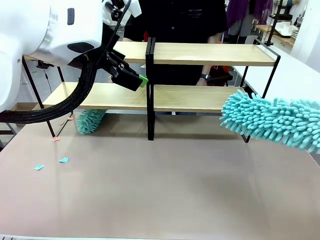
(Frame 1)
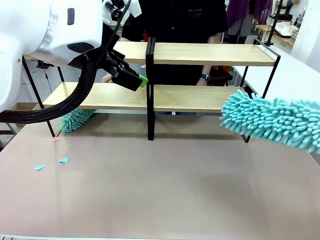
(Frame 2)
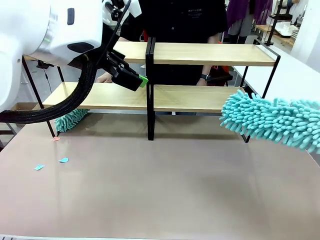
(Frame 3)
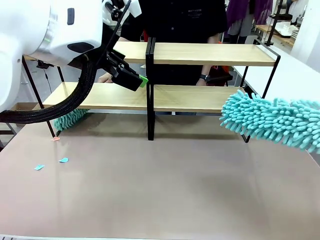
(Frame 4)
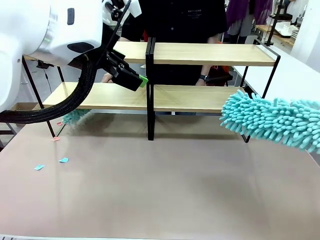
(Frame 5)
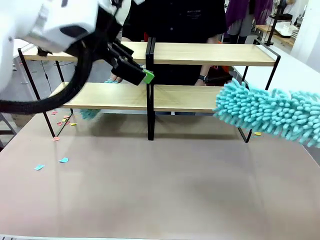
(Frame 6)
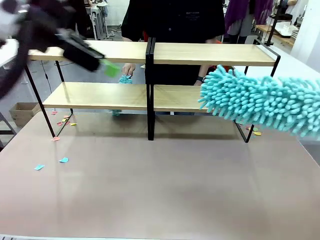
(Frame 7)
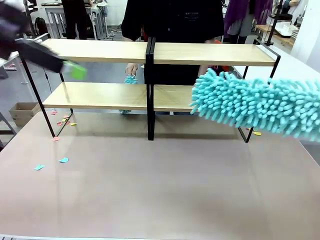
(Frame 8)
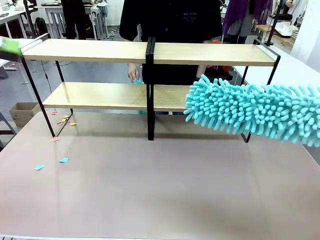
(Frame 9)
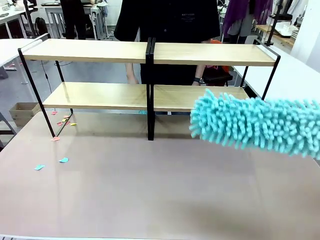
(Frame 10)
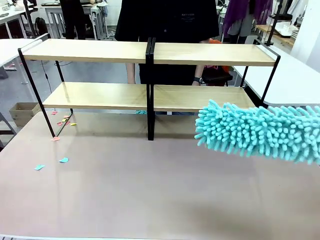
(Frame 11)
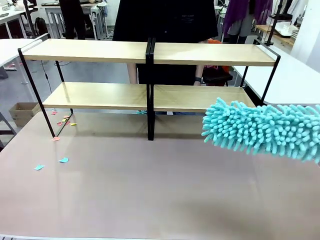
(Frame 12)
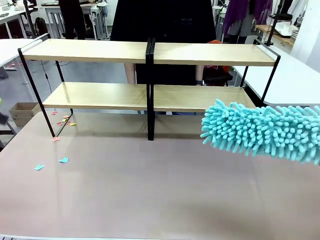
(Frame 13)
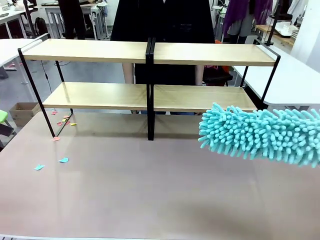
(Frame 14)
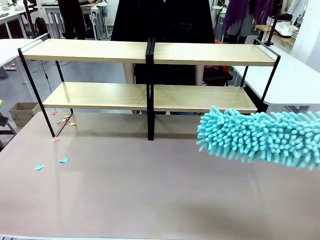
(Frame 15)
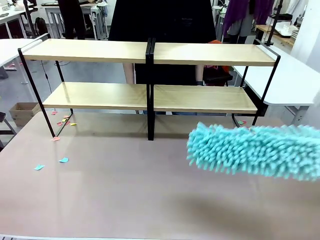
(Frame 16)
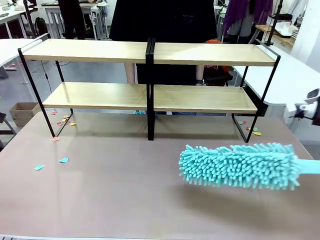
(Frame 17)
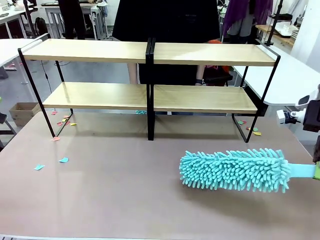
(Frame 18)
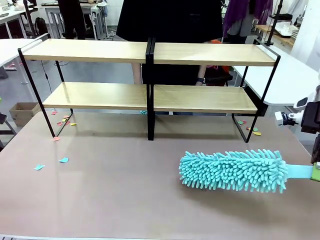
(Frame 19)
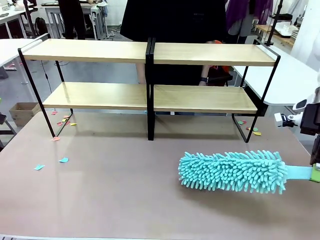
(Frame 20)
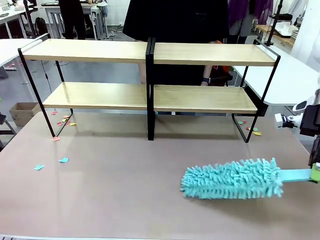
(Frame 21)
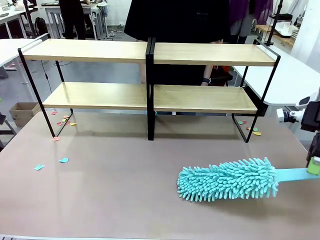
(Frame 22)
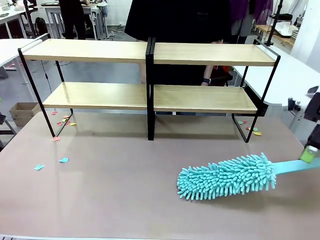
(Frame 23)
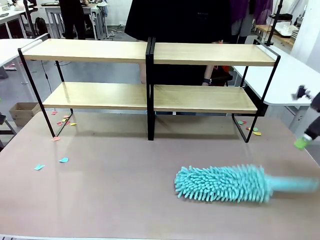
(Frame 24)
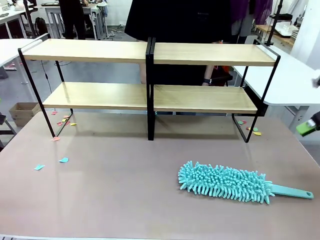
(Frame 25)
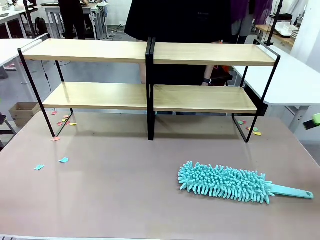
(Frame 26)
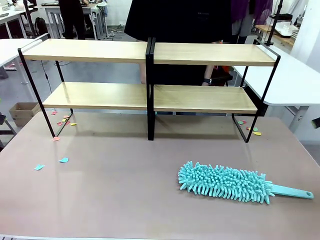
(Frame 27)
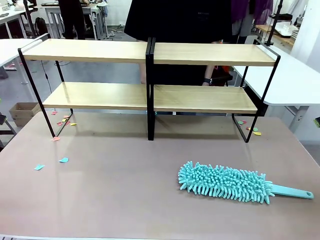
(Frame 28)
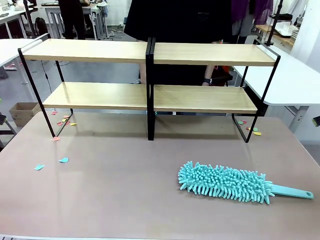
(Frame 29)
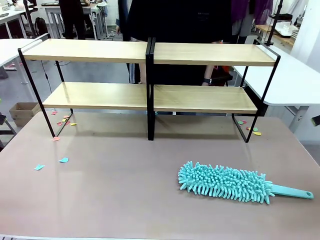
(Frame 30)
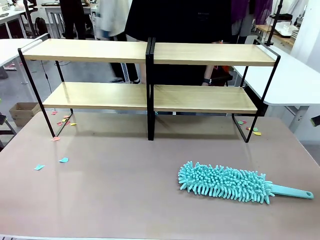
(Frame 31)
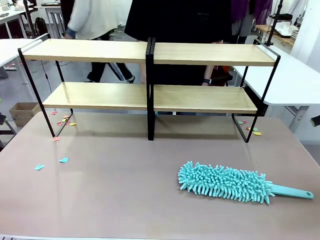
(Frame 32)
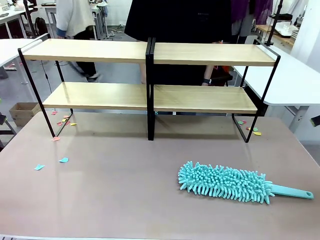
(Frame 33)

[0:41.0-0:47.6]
Task: Clean the shelves.
Robot: Place the Duster on the table.

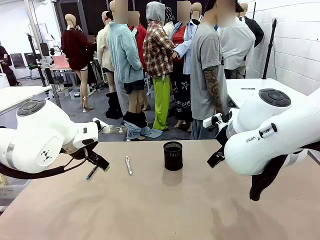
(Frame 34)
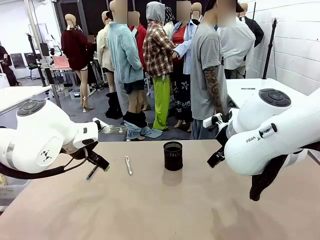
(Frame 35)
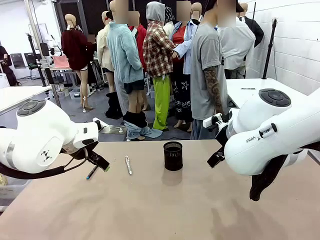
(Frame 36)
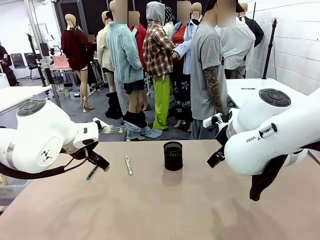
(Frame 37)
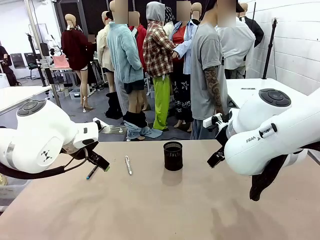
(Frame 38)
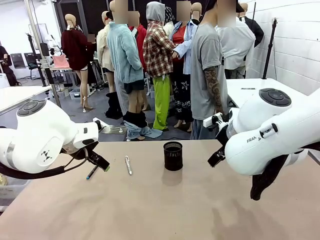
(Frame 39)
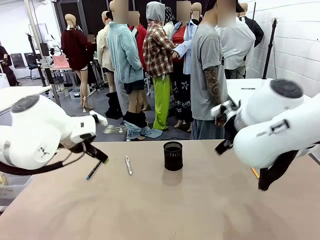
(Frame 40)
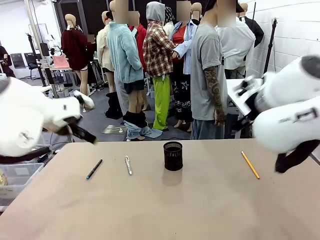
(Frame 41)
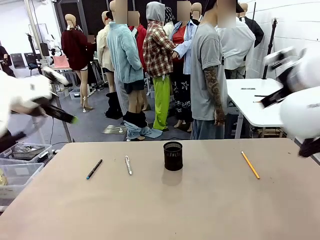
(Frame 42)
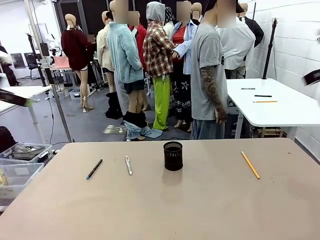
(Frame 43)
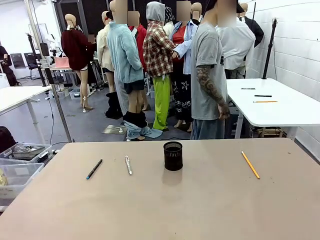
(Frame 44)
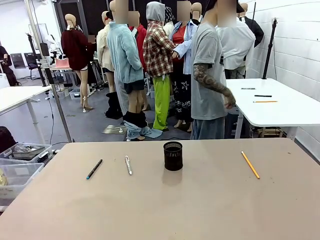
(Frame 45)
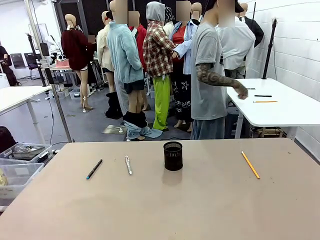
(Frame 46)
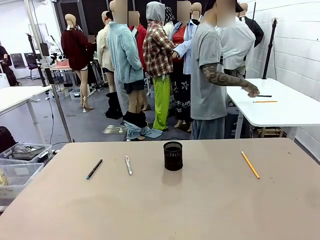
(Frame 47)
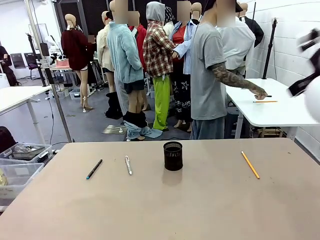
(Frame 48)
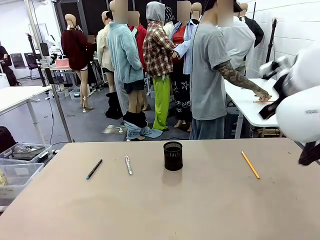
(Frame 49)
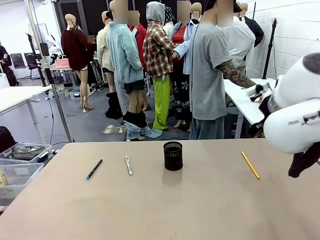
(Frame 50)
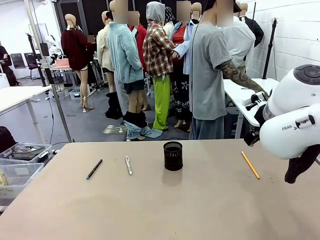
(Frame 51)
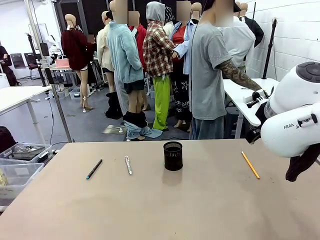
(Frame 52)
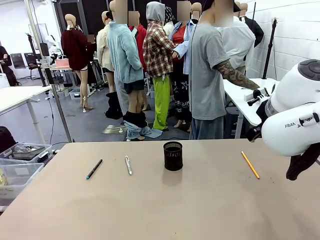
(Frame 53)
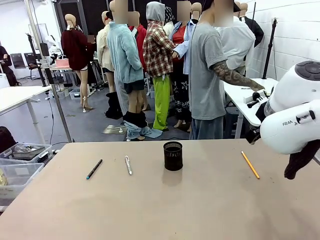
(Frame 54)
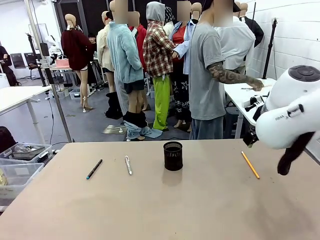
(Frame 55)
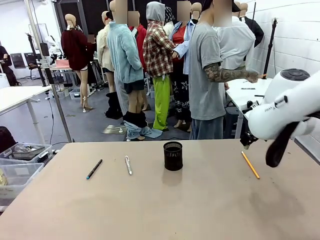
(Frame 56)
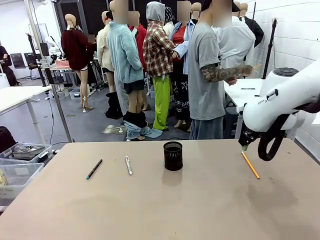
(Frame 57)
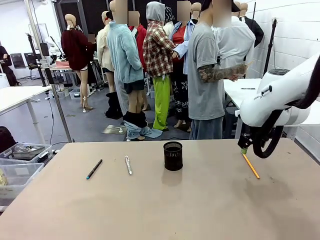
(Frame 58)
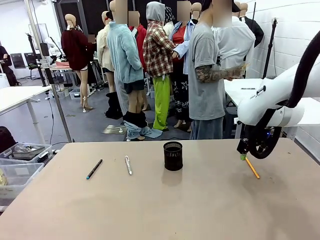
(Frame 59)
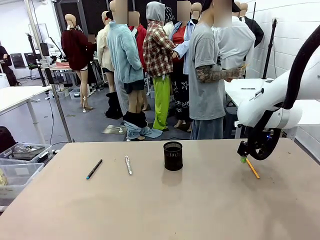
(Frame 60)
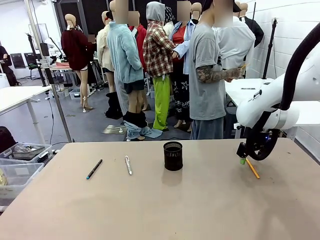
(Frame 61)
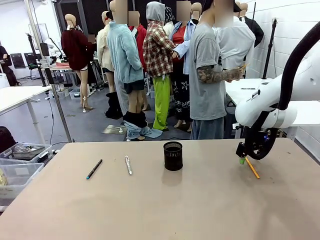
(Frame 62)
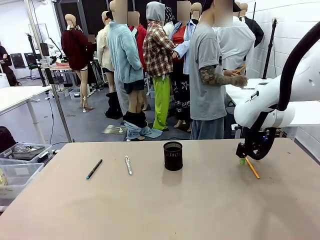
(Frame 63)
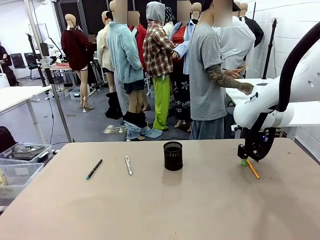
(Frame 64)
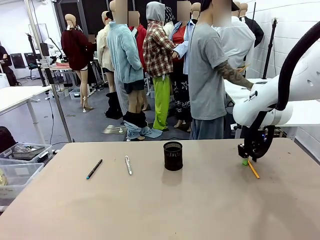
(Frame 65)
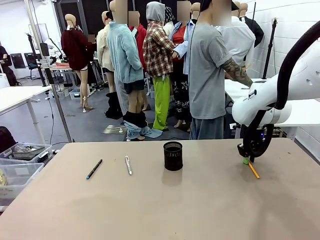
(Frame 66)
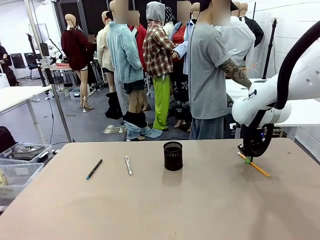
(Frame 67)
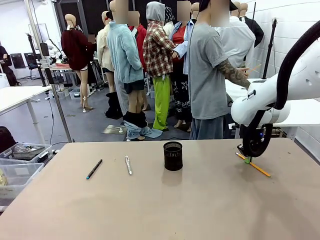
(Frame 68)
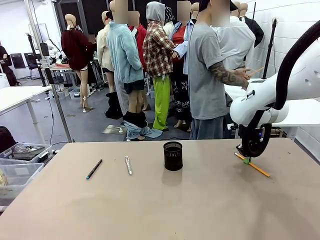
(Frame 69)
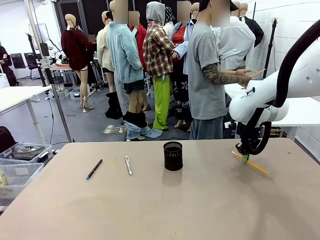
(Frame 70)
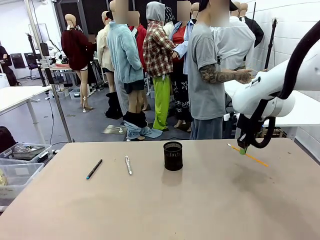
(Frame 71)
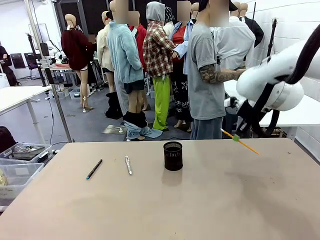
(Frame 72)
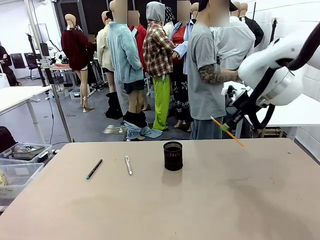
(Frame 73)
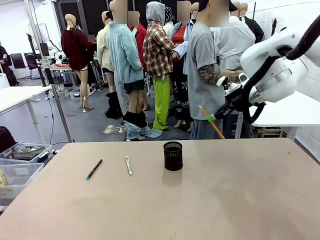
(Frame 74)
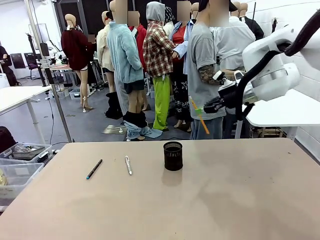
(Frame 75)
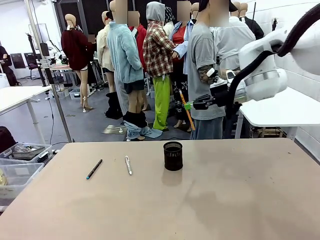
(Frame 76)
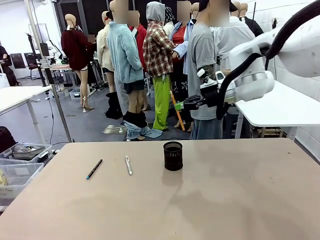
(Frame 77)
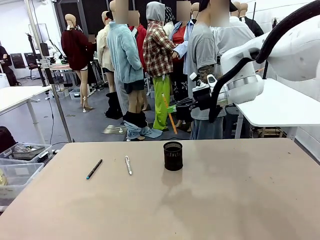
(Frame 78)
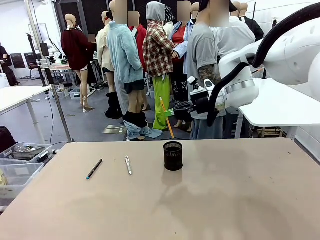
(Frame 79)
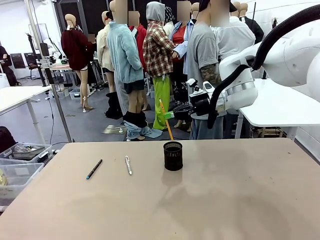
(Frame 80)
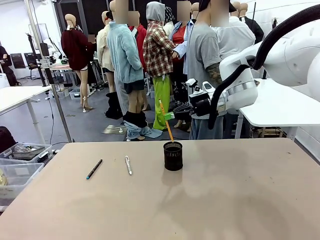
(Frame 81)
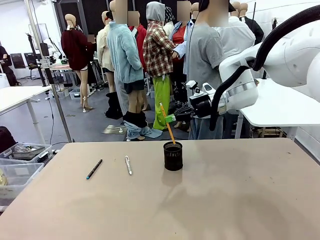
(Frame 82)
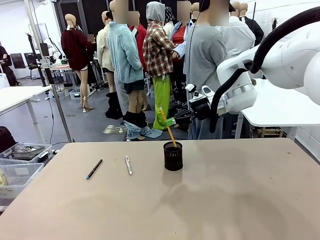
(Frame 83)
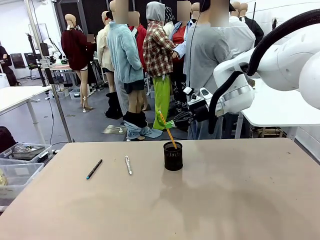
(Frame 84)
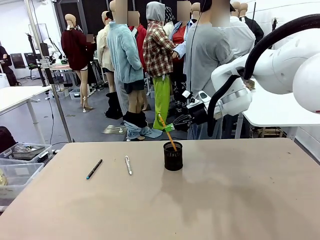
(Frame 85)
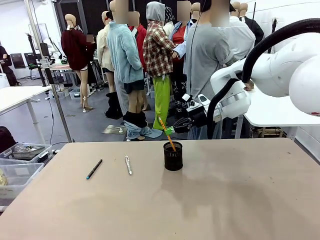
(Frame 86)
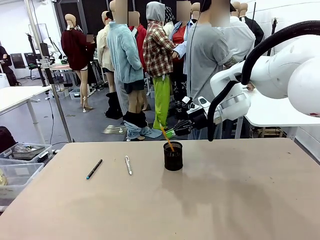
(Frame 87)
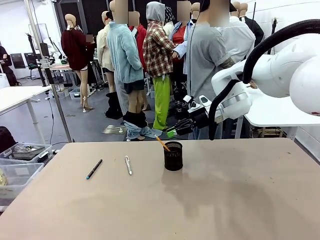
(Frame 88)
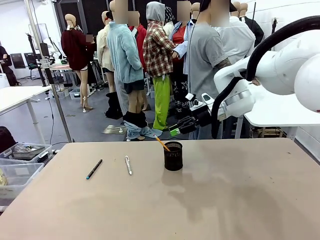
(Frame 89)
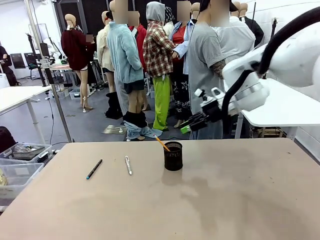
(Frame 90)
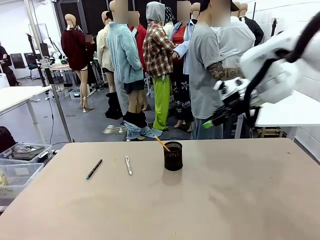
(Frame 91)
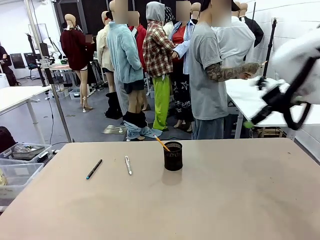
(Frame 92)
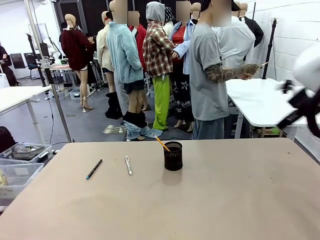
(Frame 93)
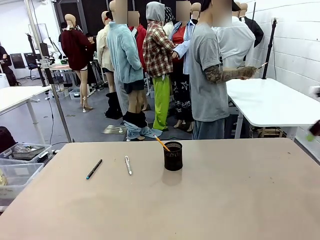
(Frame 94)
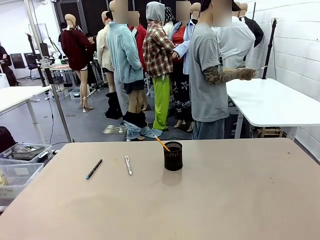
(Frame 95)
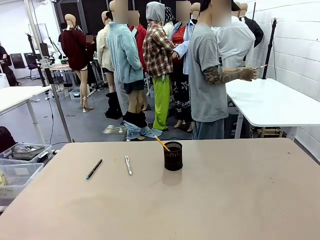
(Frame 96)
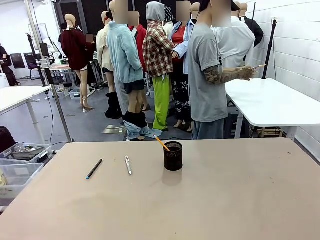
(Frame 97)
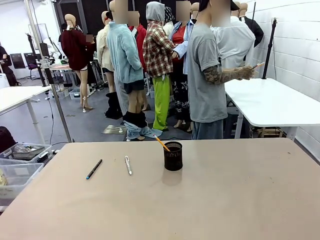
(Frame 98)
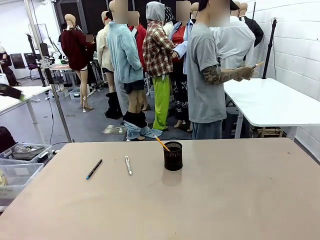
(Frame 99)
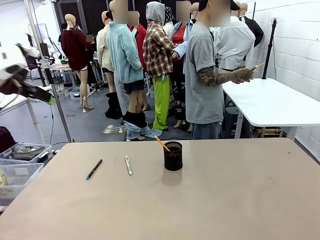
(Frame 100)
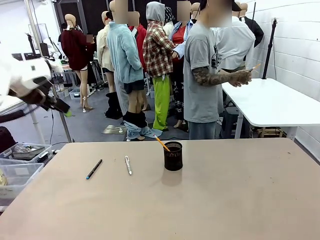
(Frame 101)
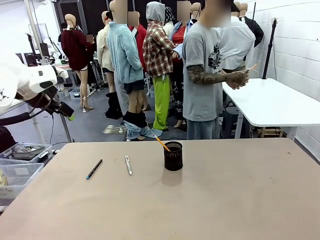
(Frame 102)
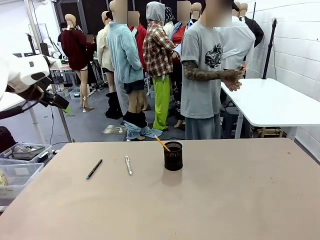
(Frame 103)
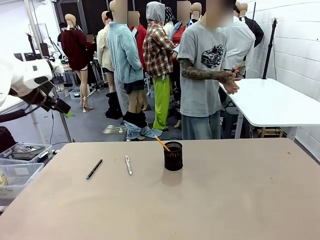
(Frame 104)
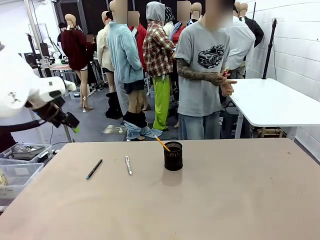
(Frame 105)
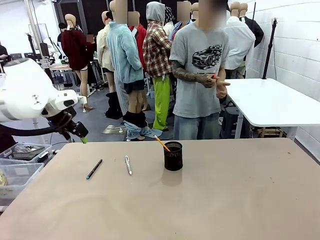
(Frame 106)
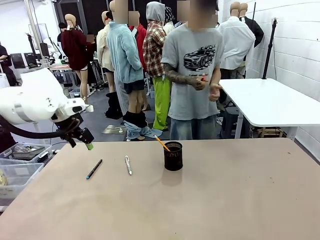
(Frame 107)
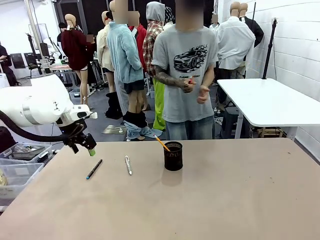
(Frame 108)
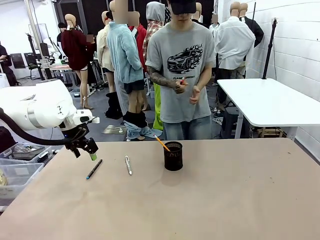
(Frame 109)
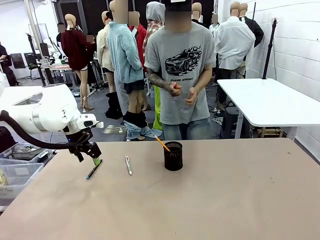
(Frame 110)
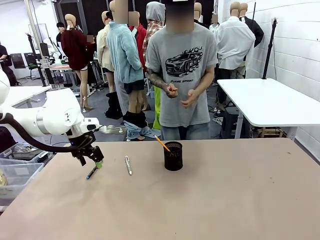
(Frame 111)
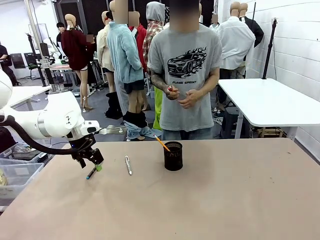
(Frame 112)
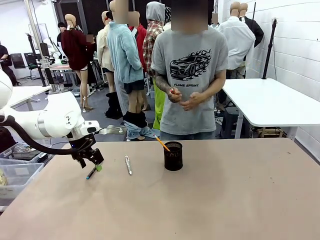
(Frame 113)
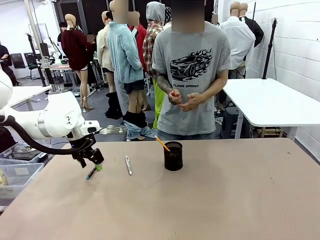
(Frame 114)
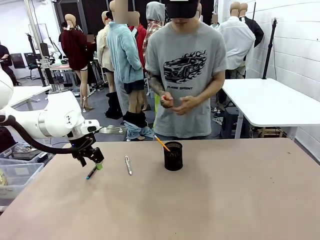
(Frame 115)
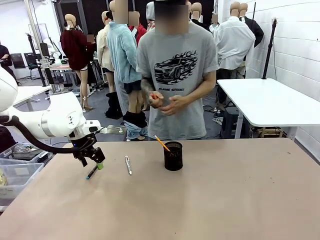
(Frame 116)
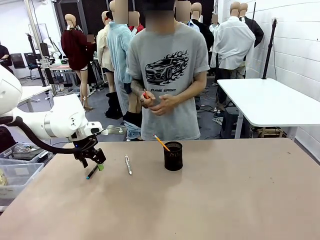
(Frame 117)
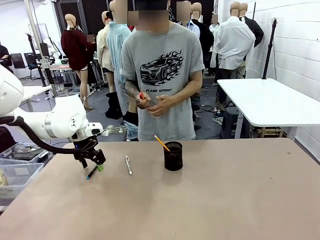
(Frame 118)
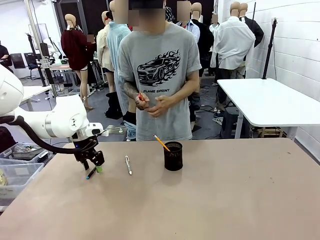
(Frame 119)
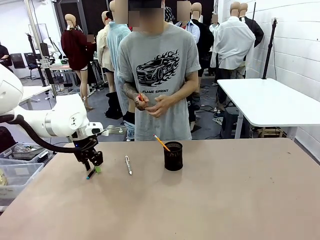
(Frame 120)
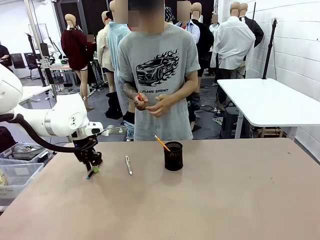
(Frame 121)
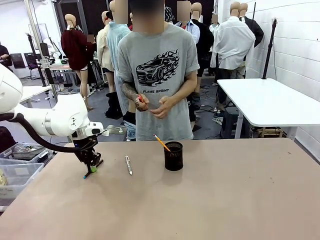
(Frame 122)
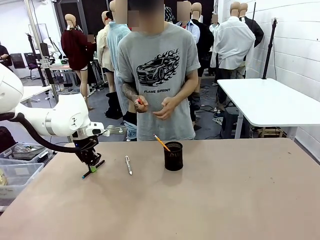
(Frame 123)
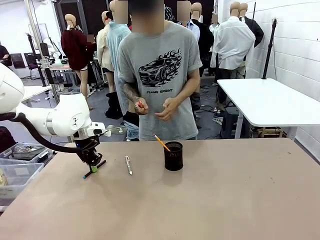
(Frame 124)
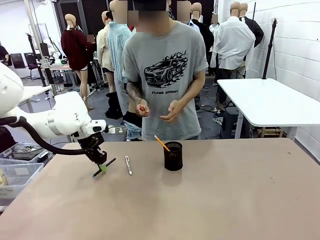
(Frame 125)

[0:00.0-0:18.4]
Task: Place the pens into the pen holder.
Robot: Pick up a writing instrument from the table and place it into the Pen holder.
Person: Pick up all writing instruments from the Human table.
